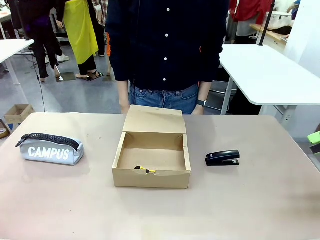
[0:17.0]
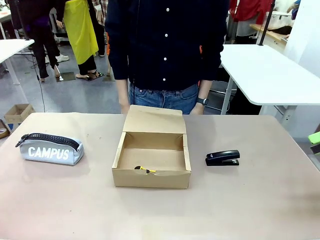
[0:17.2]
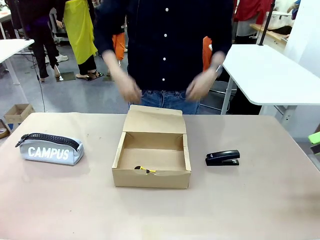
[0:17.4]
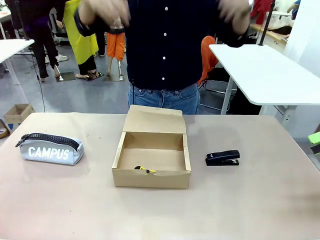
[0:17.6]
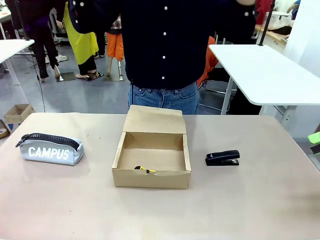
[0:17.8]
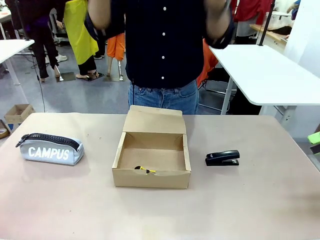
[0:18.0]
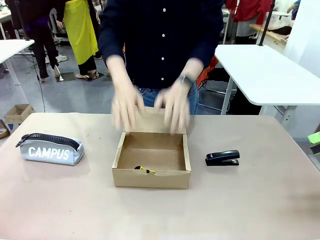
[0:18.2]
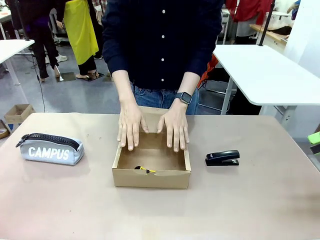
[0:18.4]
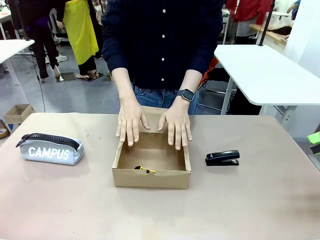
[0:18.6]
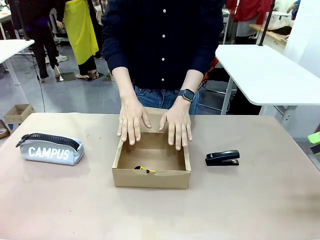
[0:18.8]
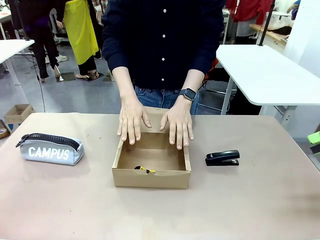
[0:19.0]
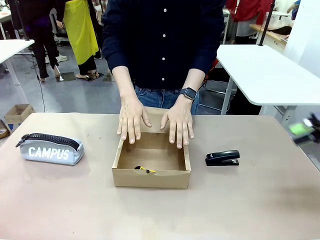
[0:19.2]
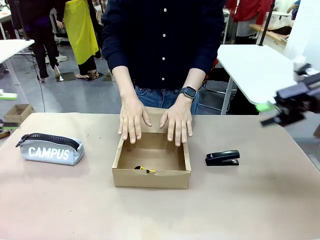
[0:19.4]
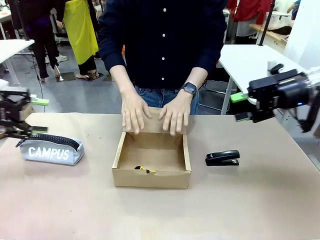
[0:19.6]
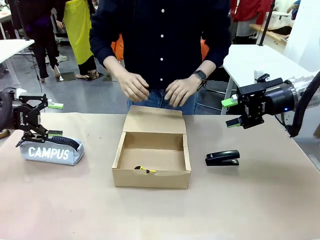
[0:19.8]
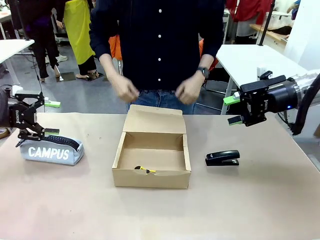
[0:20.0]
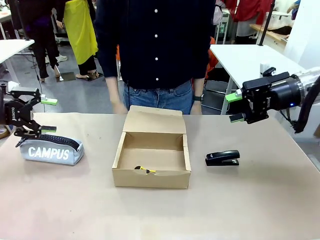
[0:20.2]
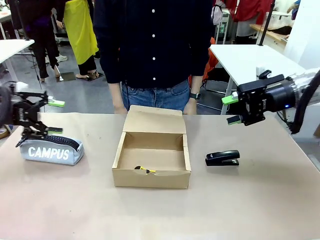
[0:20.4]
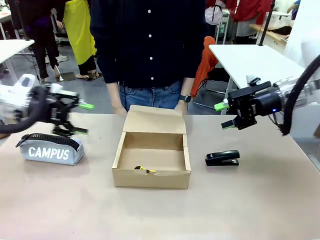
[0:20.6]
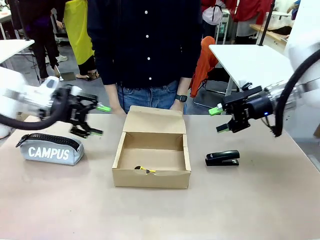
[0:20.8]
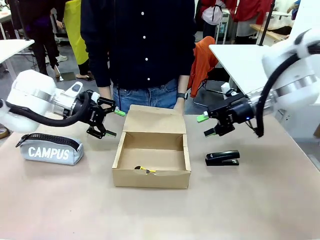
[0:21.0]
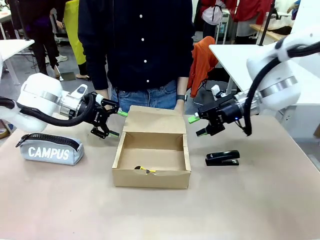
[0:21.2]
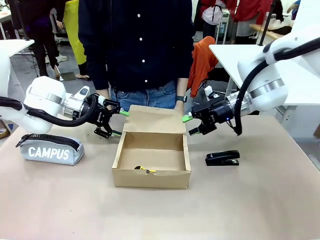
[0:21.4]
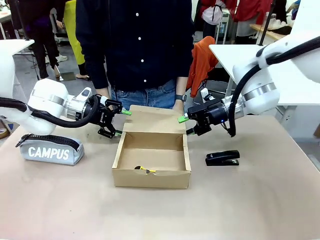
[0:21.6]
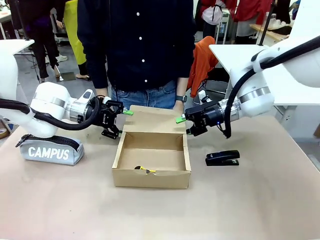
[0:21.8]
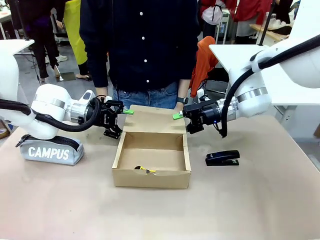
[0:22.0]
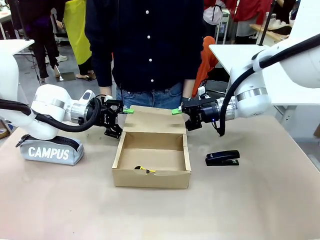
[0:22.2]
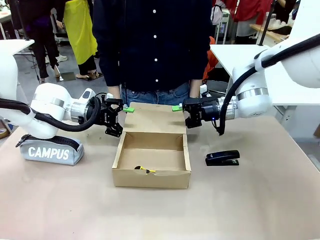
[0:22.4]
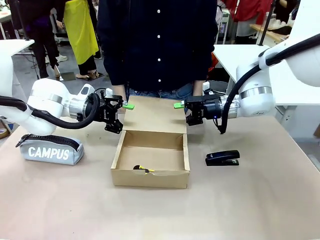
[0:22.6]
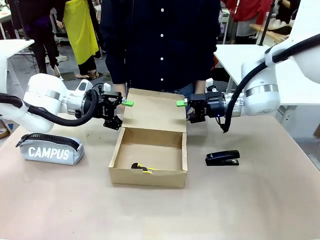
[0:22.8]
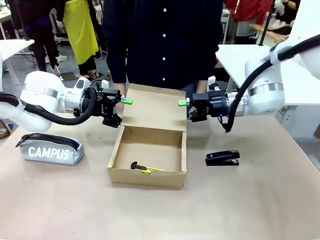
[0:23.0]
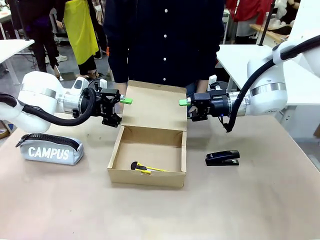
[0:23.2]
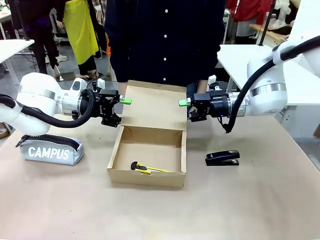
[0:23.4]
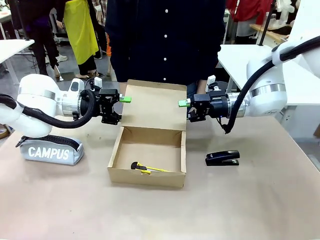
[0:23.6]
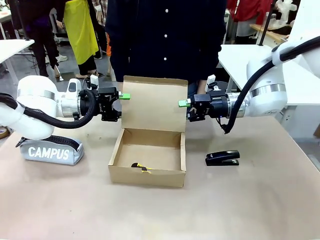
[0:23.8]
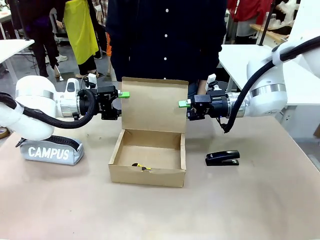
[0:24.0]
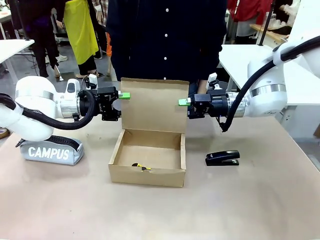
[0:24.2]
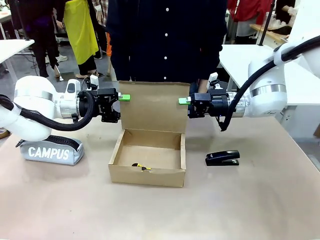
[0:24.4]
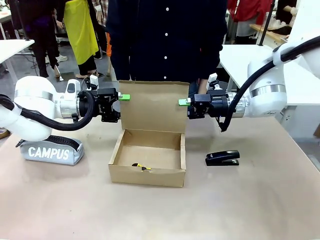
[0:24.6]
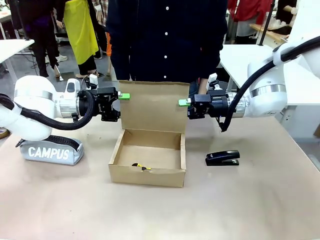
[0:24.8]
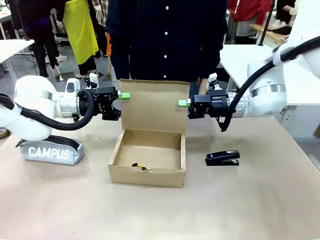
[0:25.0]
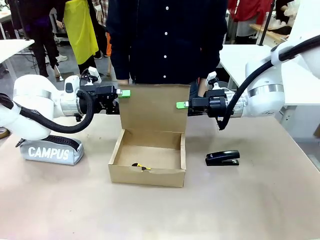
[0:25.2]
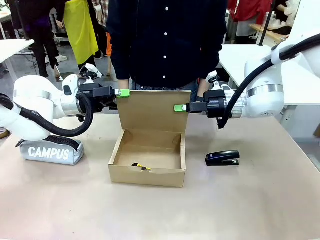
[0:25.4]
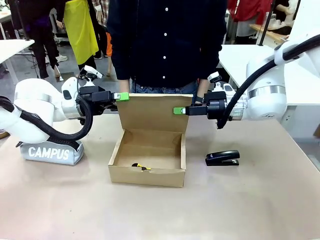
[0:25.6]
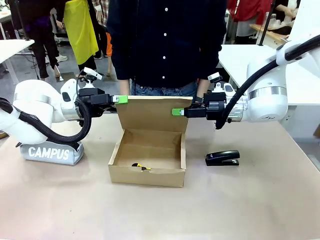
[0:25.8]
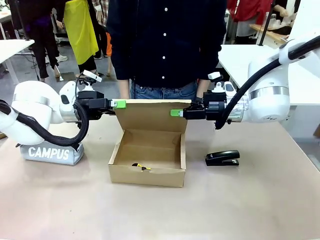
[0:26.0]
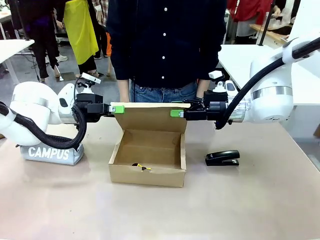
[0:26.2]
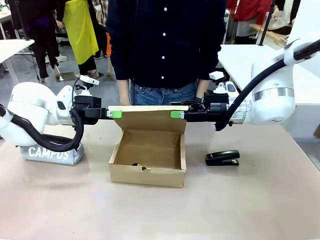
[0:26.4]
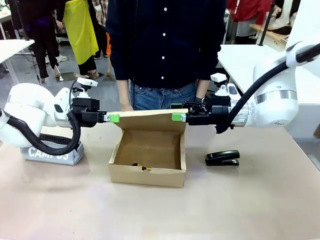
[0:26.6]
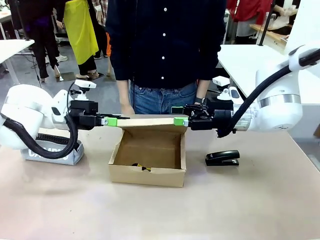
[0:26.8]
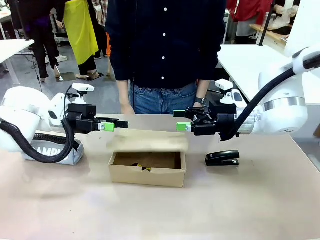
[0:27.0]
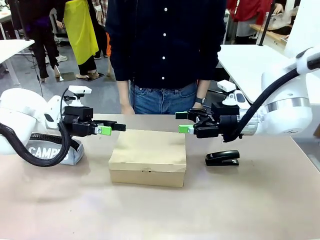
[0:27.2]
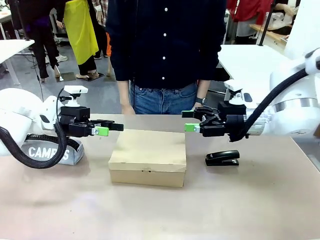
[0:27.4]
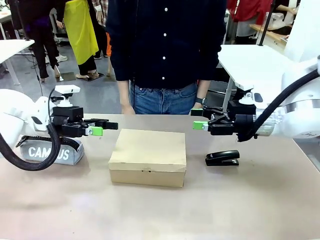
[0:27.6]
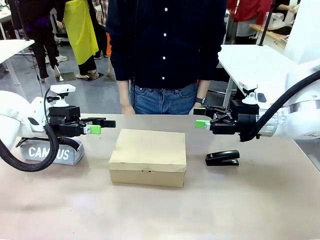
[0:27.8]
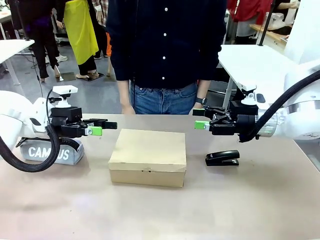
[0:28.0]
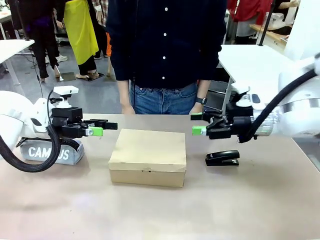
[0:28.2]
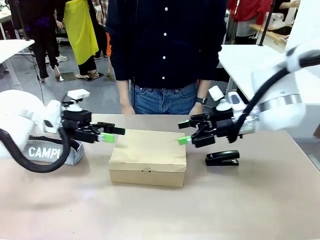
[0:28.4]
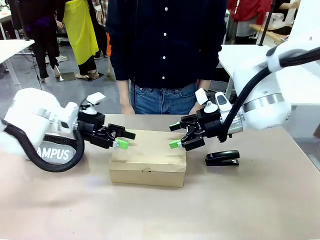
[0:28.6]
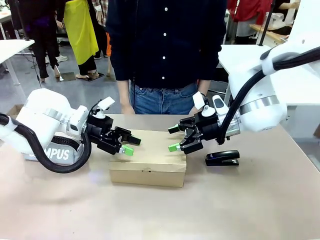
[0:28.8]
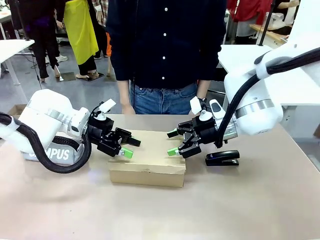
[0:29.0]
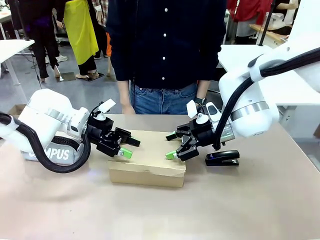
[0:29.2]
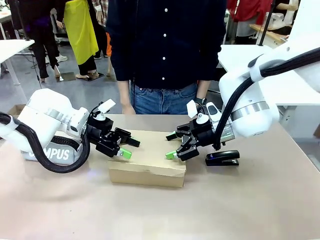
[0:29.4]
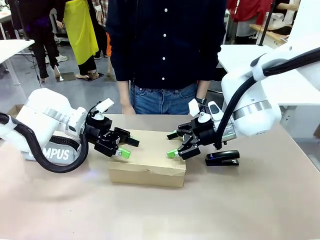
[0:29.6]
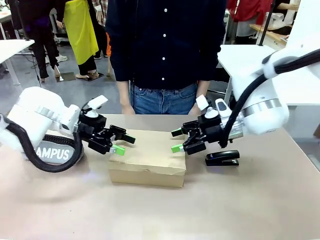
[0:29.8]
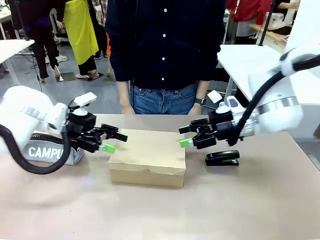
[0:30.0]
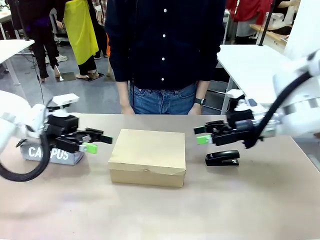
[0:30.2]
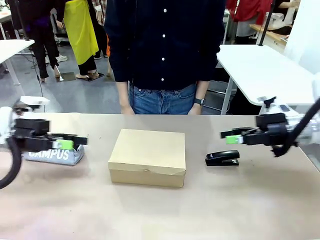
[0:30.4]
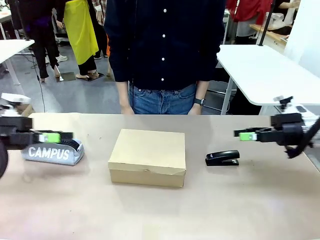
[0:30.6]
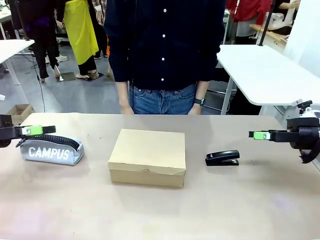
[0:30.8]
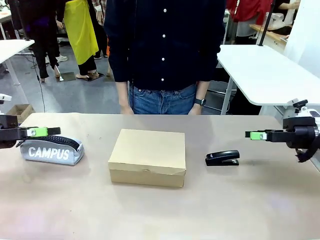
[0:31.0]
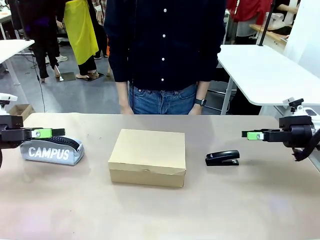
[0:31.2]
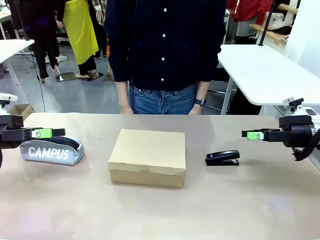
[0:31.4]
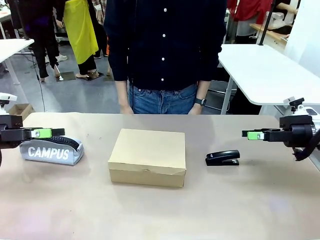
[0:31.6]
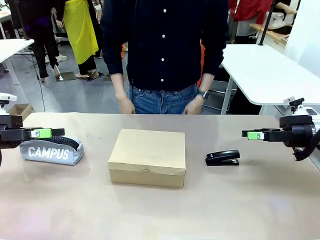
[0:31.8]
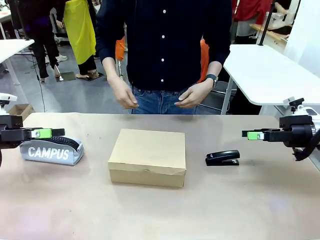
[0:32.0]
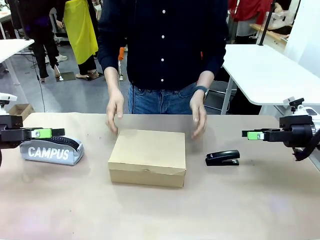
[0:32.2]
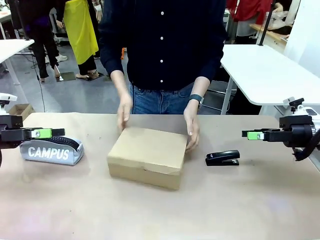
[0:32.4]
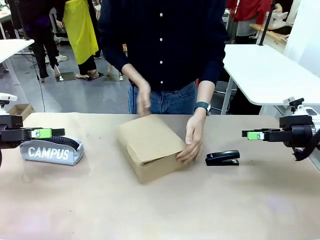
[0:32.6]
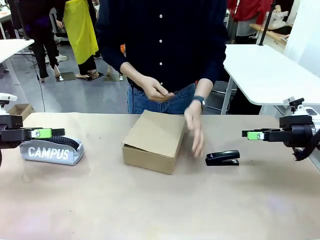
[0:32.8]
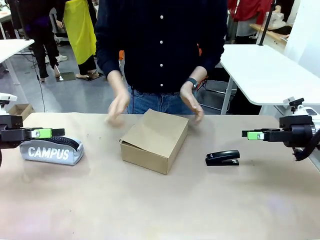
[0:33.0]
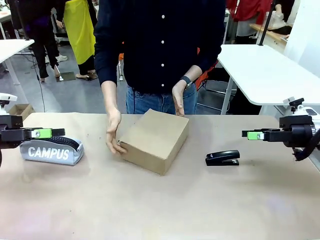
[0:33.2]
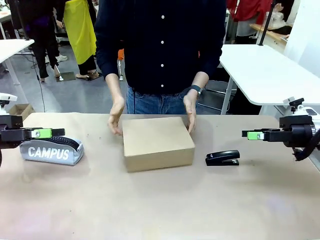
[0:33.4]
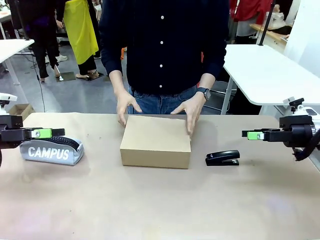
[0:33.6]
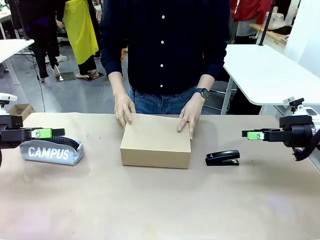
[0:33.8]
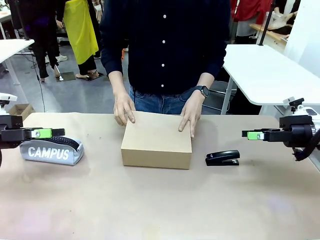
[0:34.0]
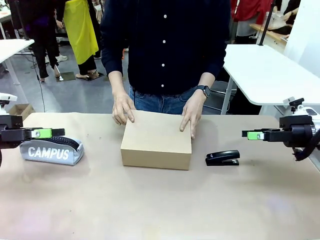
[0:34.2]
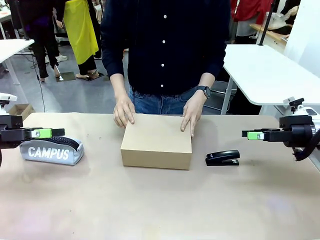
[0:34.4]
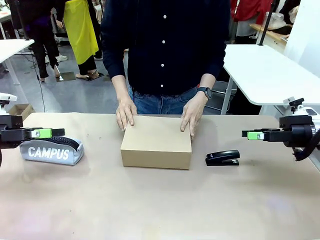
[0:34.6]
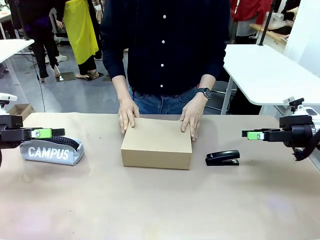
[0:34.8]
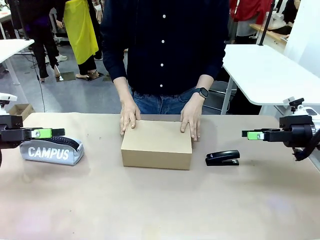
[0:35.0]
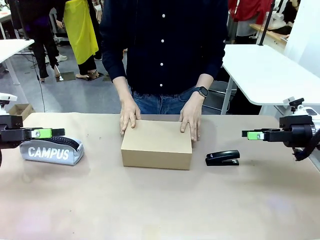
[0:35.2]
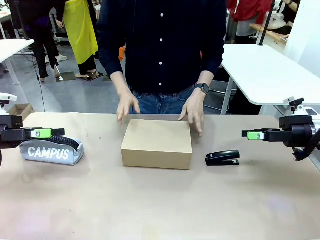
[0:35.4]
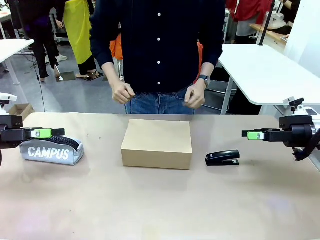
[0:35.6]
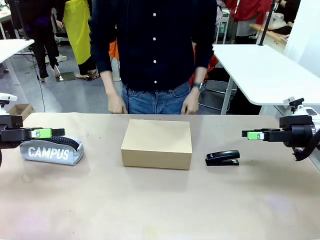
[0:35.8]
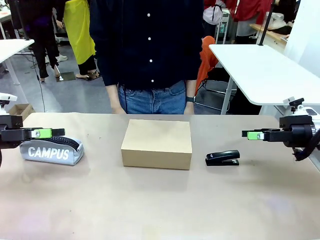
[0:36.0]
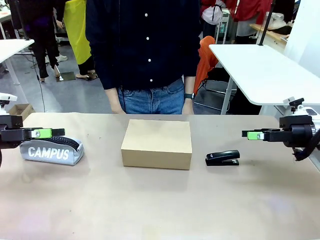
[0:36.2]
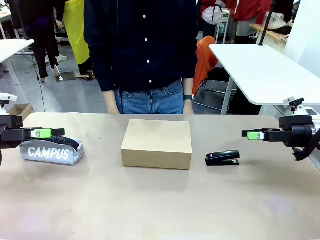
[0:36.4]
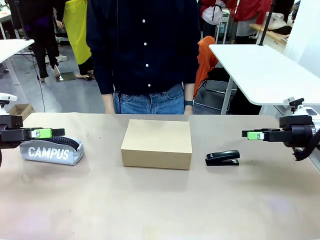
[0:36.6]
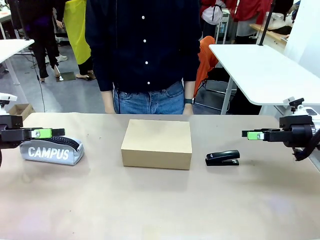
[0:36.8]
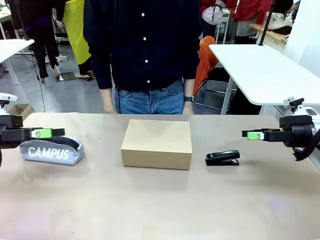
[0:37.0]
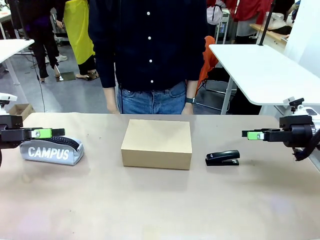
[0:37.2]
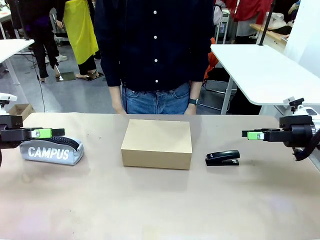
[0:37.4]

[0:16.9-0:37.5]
Task: Pack the item into the box.
Robot: Close the Mailer Box.
Person: Turn the box and lock it.
